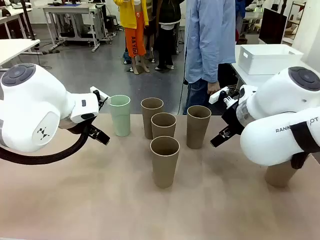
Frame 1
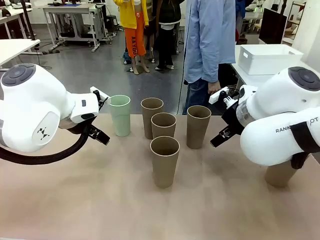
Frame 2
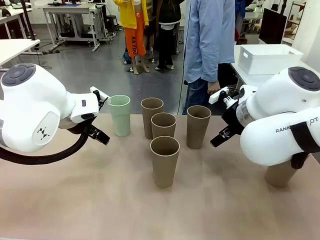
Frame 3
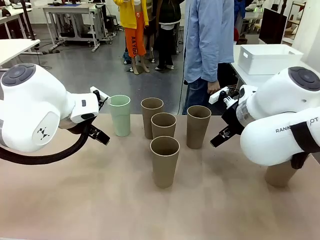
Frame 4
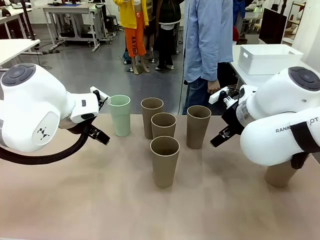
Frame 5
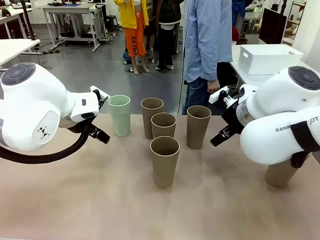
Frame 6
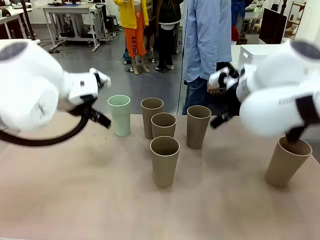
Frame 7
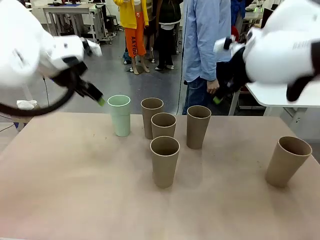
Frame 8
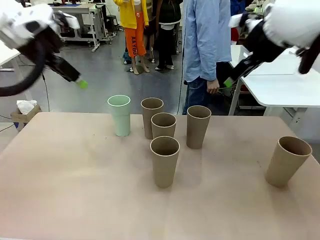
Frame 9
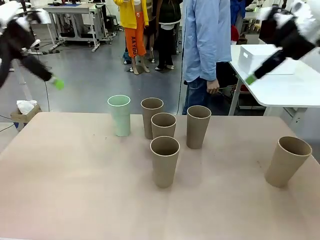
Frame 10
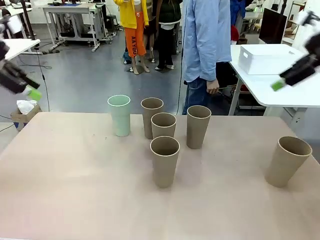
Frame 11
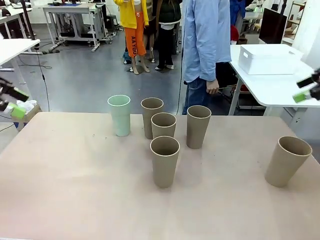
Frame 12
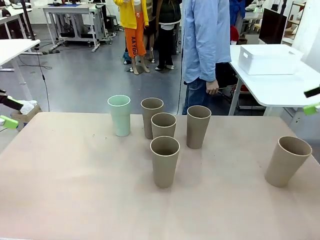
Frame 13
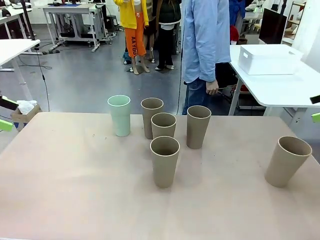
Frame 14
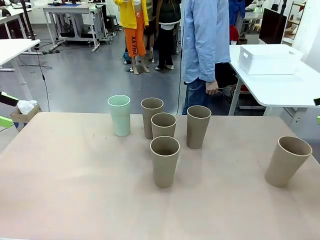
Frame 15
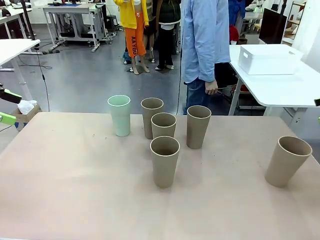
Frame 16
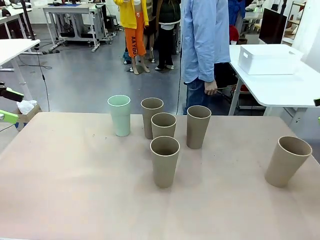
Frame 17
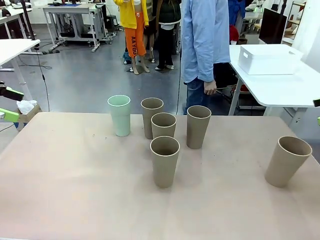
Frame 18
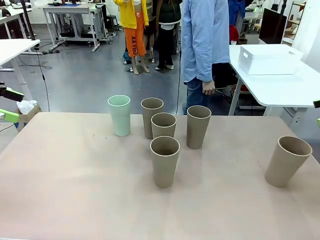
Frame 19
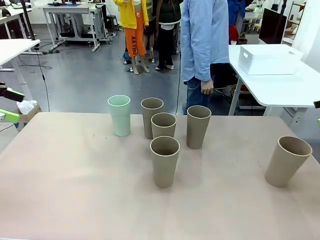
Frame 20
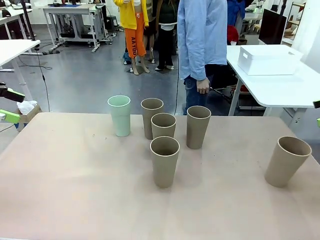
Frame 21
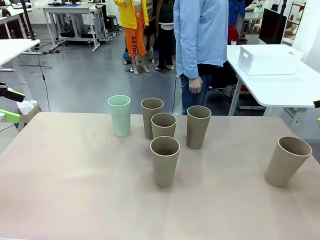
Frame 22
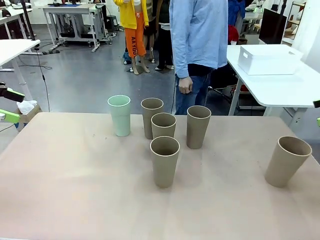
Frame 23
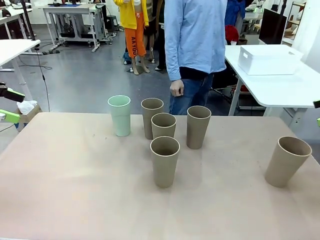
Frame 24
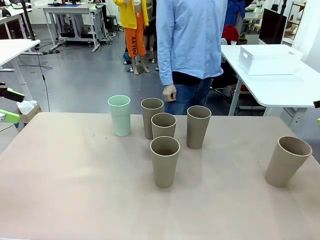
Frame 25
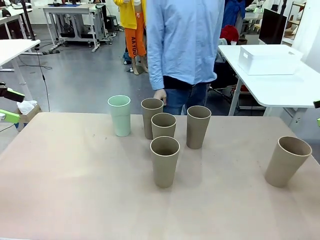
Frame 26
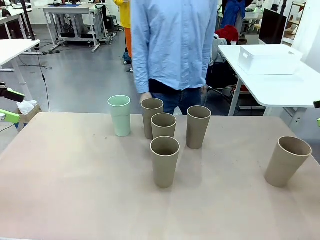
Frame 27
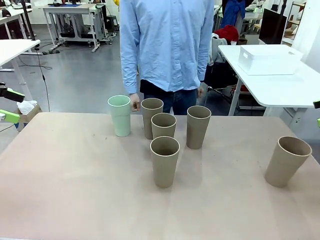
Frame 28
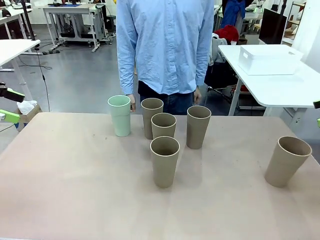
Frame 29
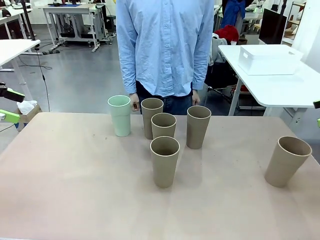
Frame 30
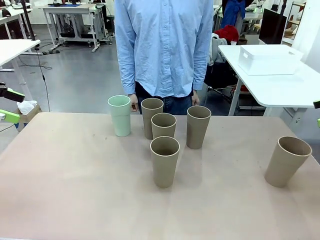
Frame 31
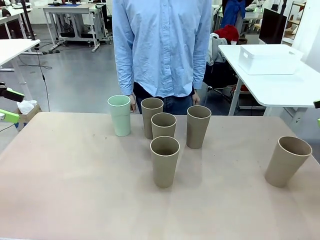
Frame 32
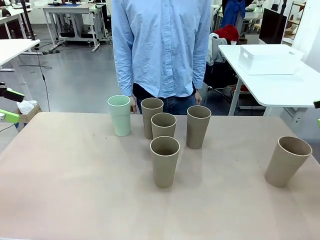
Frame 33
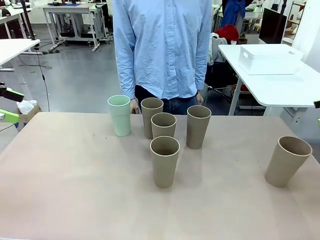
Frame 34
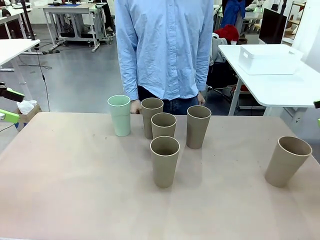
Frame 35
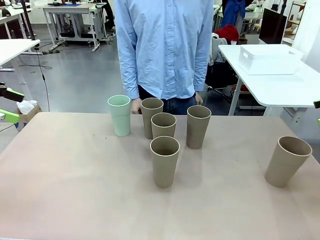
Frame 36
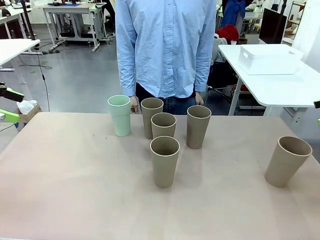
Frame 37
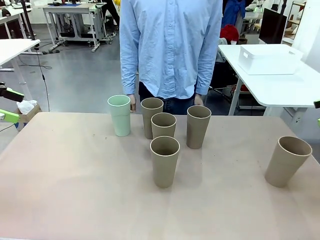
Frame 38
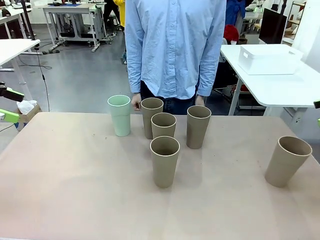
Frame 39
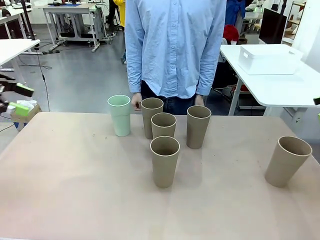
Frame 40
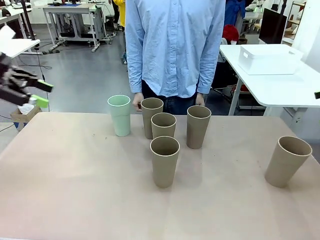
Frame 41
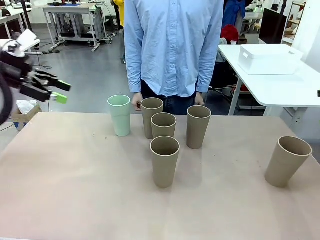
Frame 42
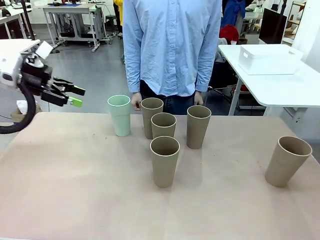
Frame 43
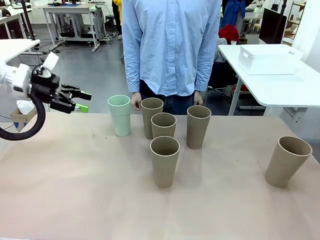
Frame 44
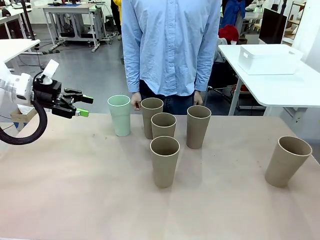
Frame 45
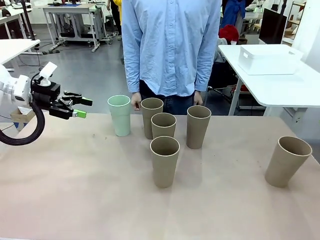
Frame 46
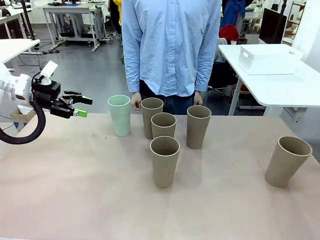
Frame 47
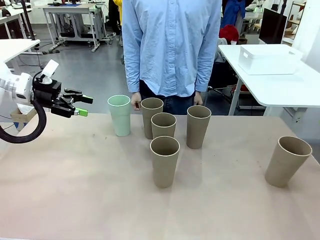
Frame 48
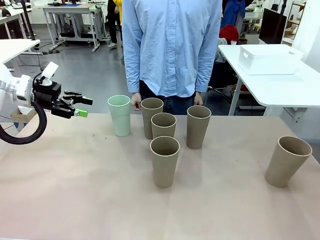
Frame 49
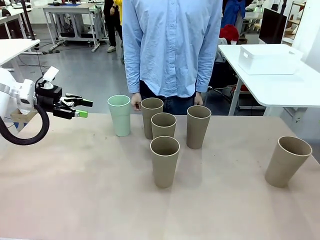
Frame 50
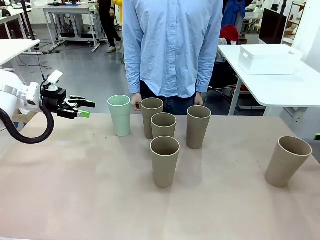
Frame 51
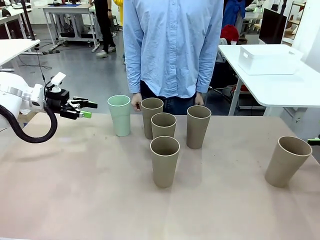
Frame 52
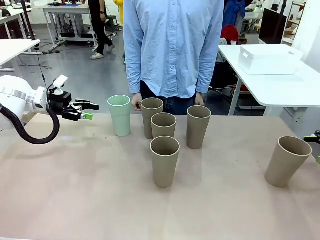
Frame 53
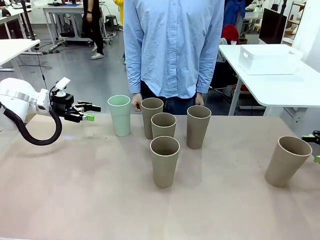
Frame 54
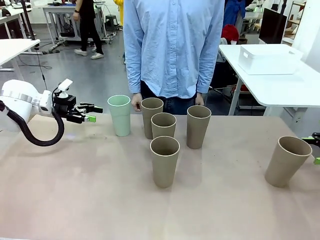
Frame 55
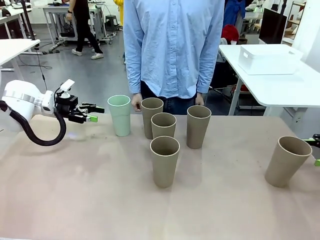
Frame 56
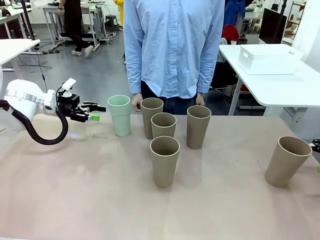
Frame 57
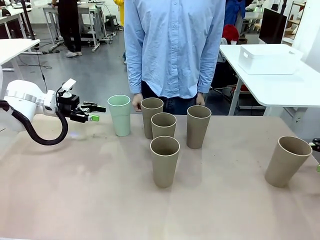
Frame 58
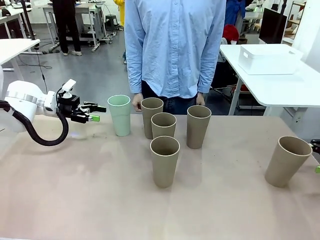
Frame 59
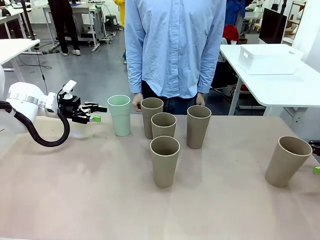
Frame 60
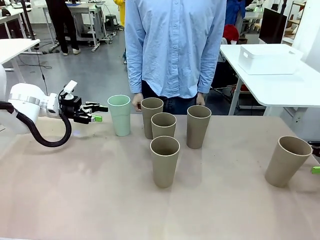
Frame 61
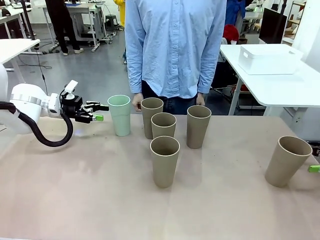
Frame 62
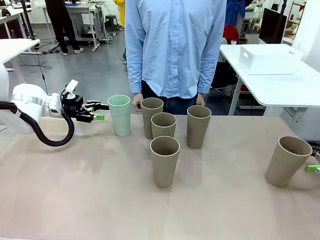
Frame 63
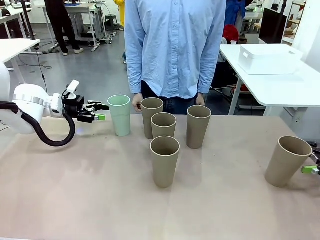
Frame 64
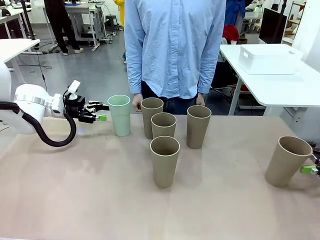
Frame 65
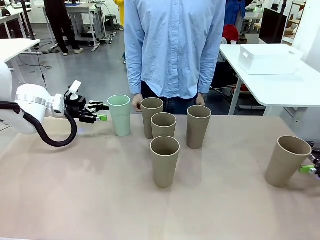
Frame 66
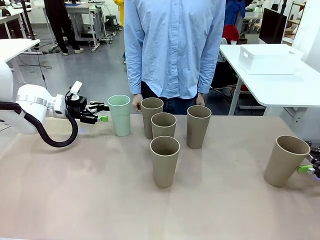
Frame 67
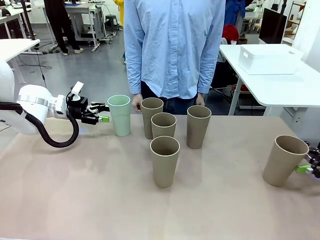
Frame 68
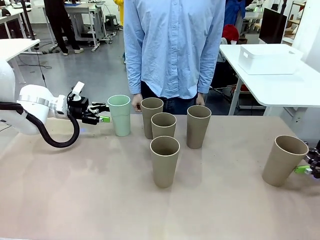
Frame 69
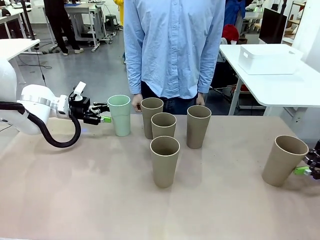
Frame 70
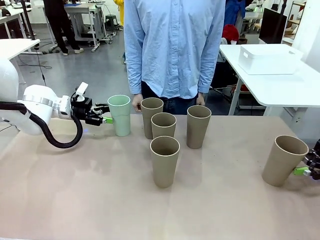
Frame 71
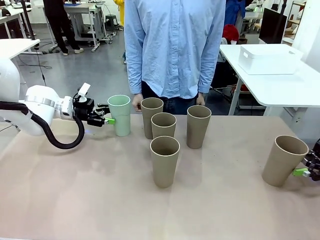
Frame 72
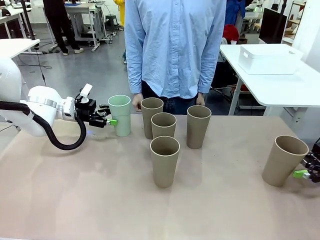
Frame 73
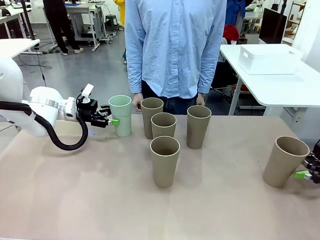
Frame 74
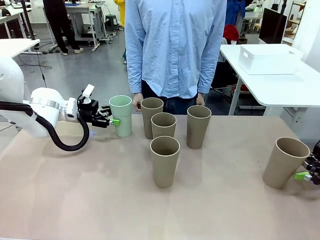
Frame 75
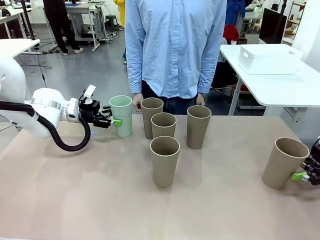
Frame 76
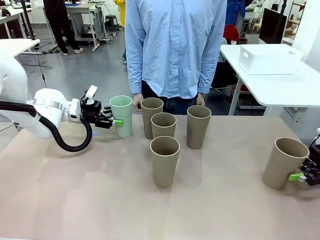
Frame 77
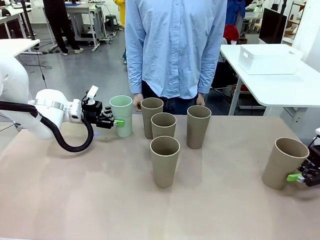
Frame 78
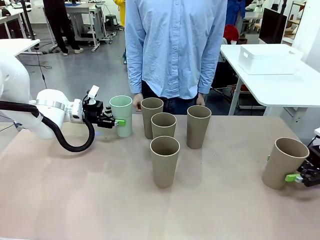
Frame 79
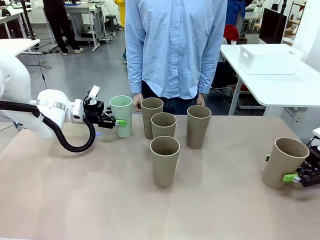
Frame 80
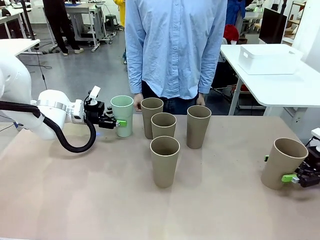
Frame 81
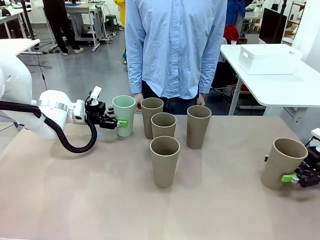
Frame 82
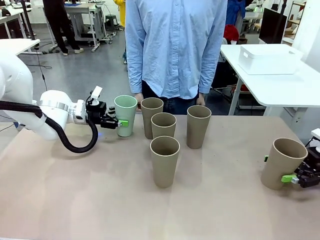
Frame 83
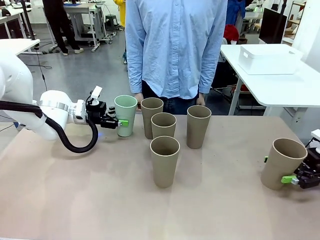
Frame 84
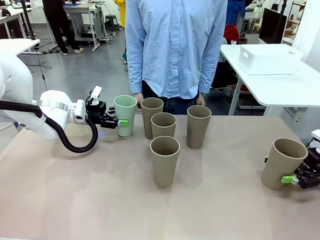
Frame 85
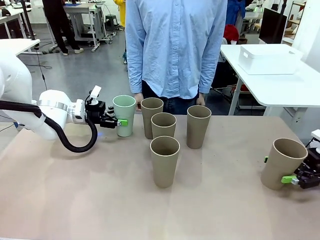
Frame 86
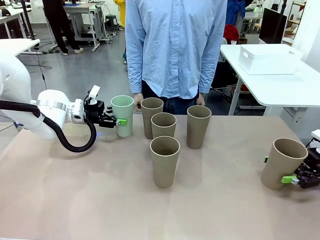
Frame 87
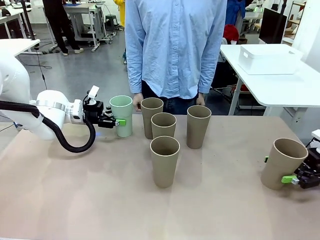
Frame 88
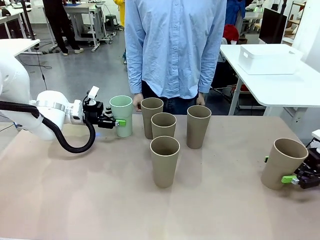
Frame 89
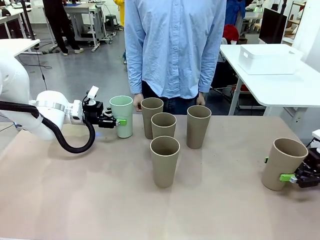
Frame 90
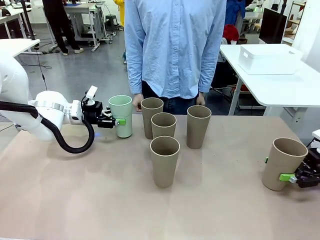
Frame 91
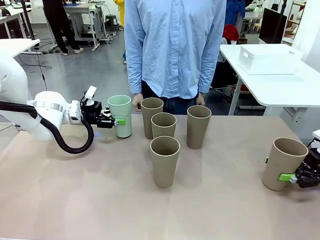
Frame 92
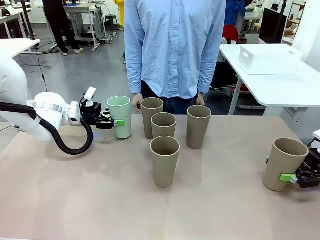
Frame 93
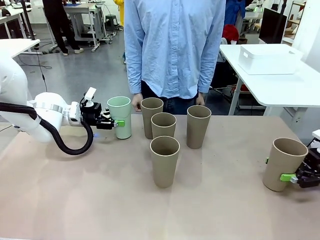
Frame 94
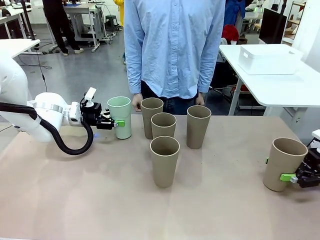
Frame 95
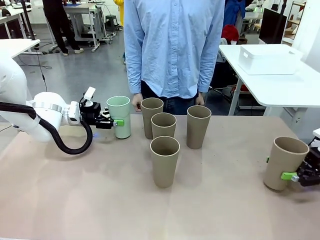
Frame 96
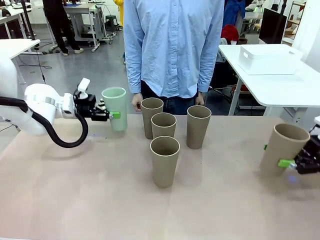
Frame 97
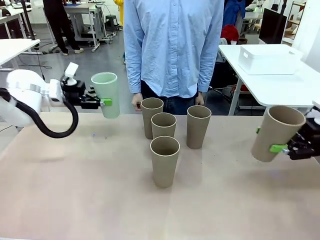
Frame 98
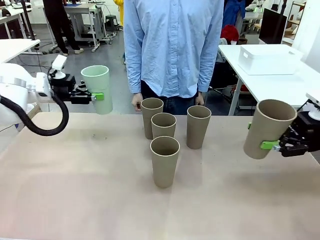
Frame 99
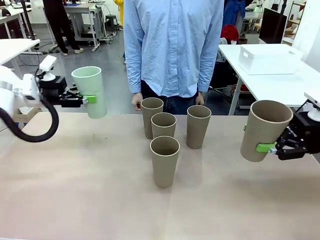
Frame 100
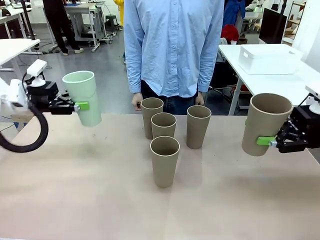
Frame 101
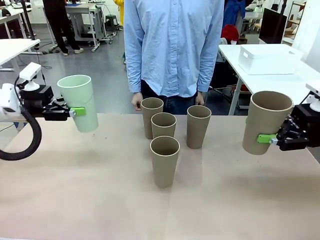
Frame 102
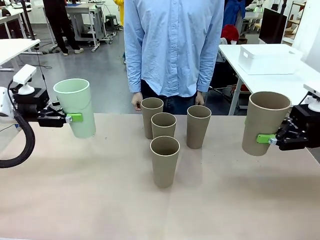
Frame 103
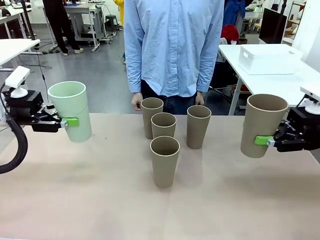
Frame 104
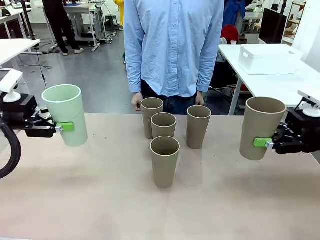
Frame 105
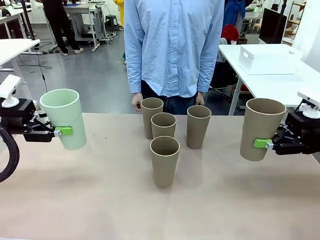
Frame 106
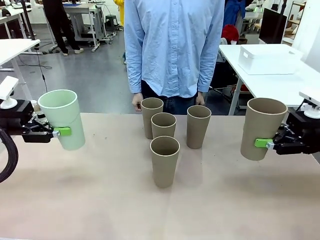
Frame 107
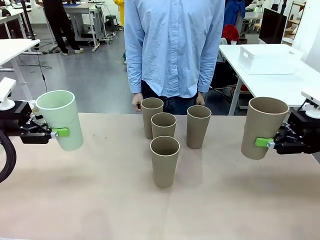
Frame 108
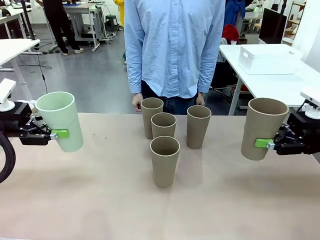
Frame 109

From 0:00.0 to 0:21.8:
Task: Stack the cups and store them in the basket.
Robot: Pick up two Reusable plastic cups , one in each hand.
Person: Move from the Human Table to the front of the Robot Table. Stack two of the remaining cups on top of each cup held by the robot.
